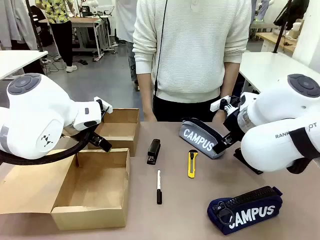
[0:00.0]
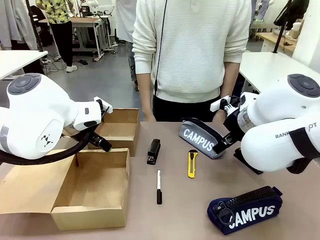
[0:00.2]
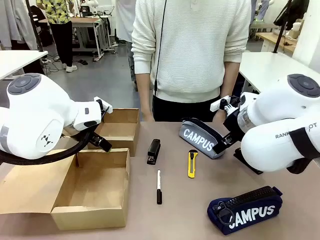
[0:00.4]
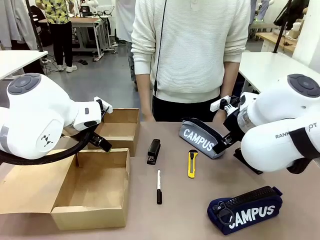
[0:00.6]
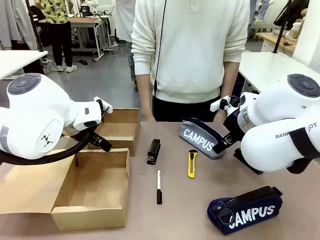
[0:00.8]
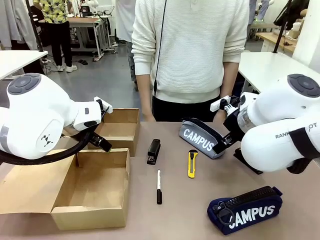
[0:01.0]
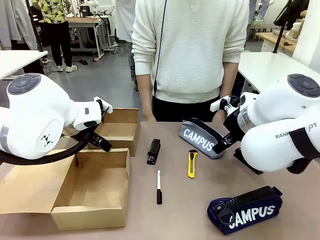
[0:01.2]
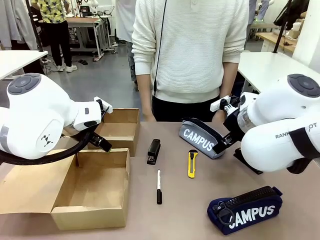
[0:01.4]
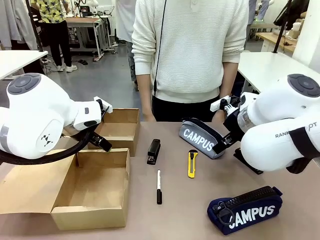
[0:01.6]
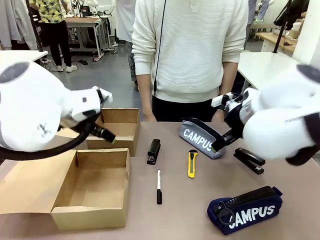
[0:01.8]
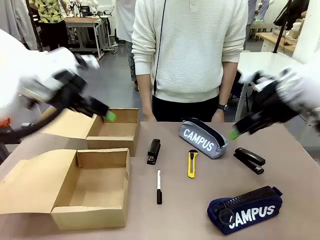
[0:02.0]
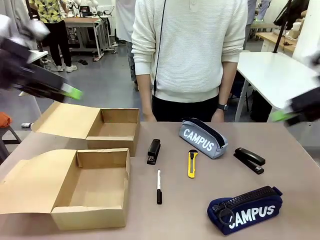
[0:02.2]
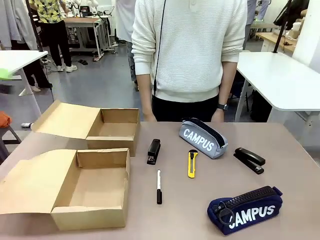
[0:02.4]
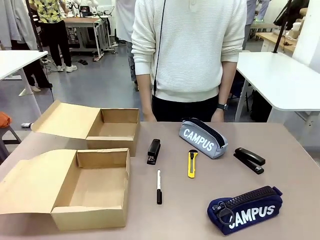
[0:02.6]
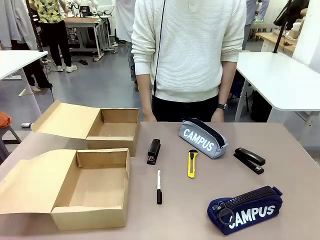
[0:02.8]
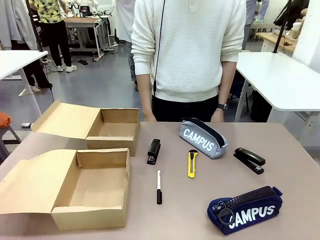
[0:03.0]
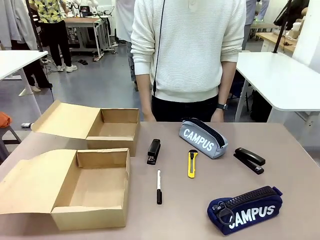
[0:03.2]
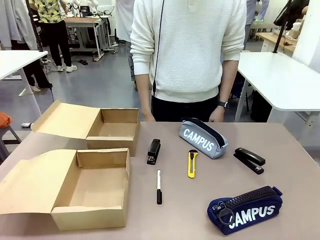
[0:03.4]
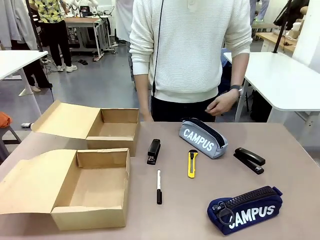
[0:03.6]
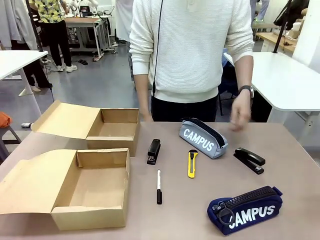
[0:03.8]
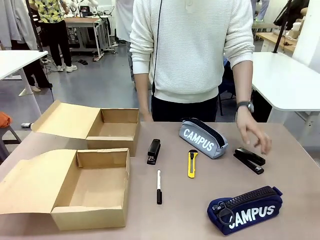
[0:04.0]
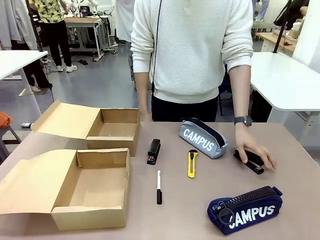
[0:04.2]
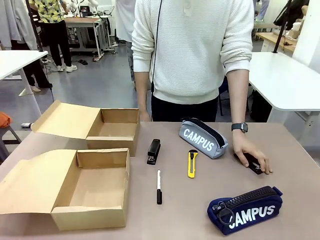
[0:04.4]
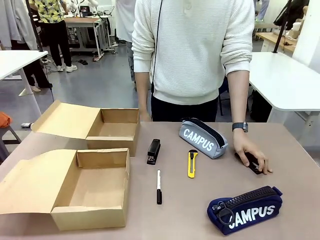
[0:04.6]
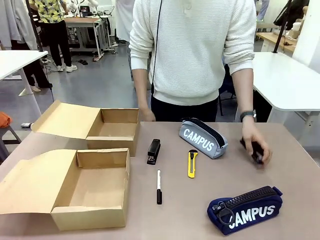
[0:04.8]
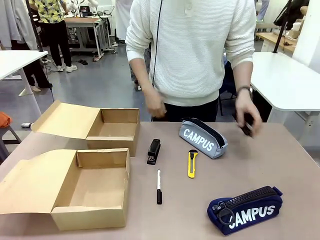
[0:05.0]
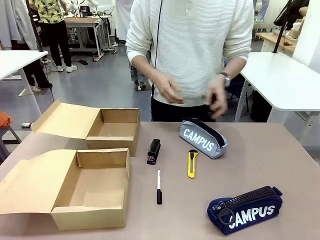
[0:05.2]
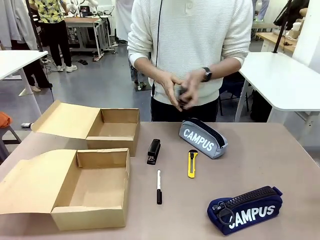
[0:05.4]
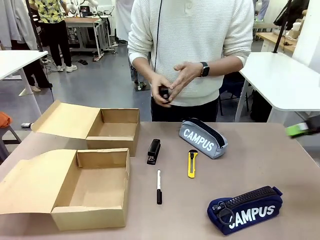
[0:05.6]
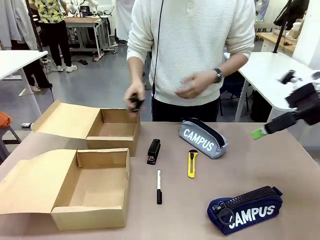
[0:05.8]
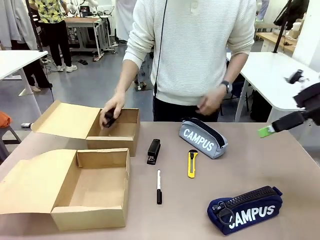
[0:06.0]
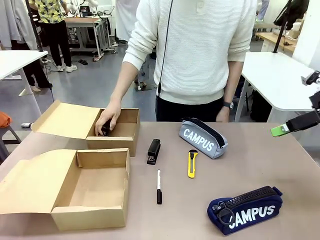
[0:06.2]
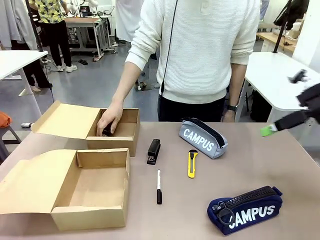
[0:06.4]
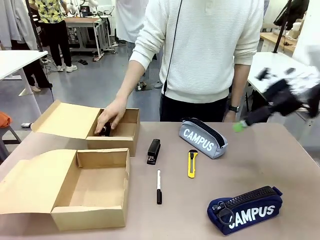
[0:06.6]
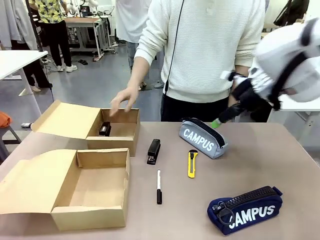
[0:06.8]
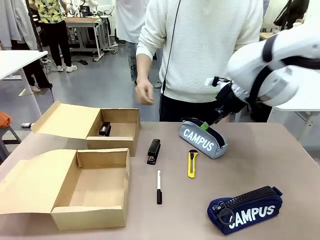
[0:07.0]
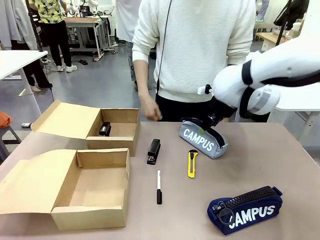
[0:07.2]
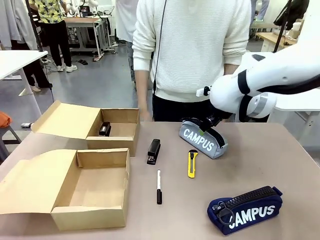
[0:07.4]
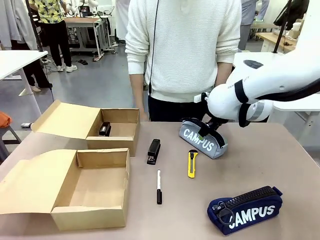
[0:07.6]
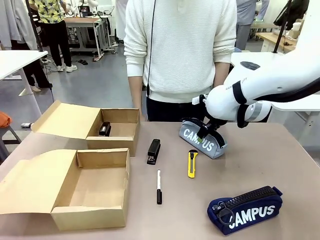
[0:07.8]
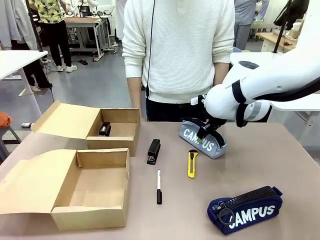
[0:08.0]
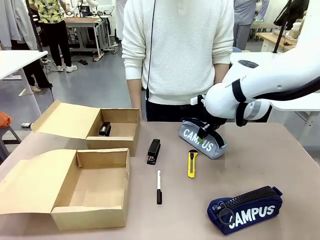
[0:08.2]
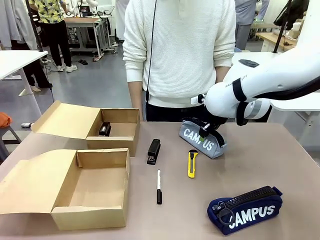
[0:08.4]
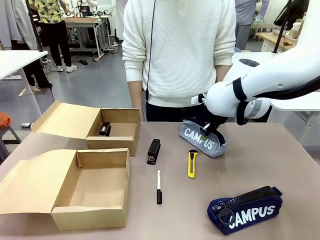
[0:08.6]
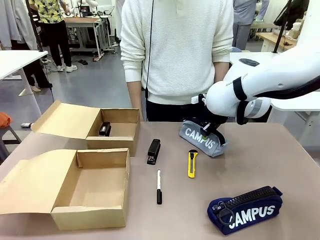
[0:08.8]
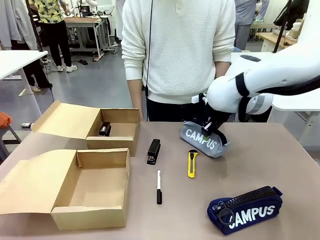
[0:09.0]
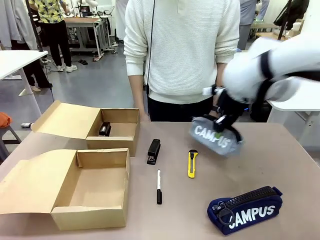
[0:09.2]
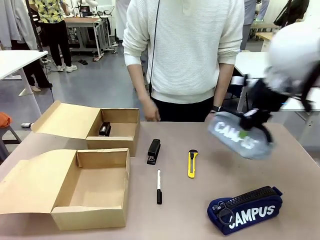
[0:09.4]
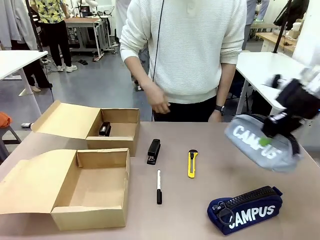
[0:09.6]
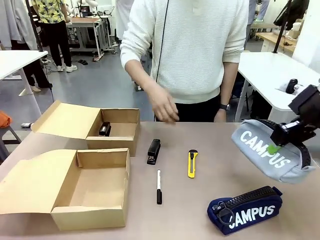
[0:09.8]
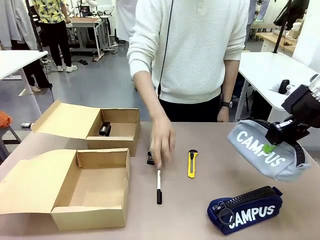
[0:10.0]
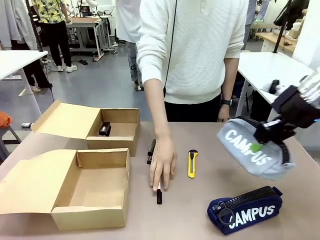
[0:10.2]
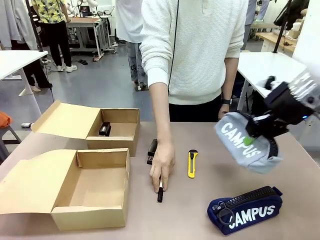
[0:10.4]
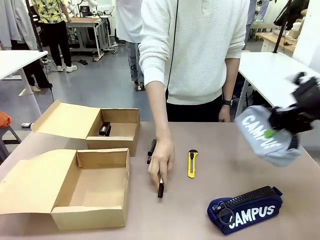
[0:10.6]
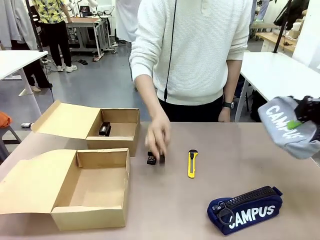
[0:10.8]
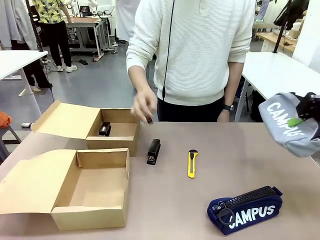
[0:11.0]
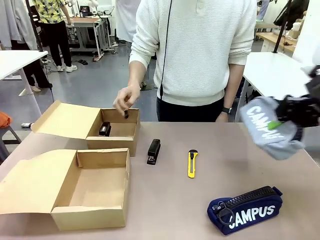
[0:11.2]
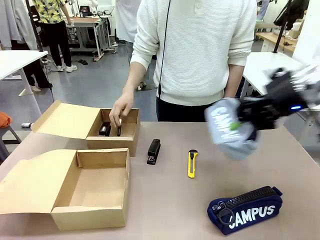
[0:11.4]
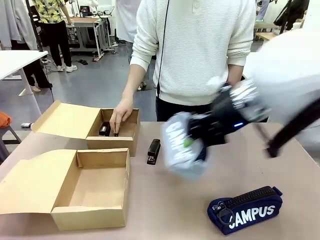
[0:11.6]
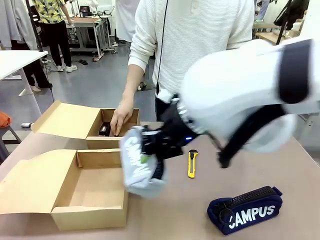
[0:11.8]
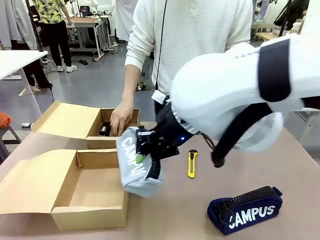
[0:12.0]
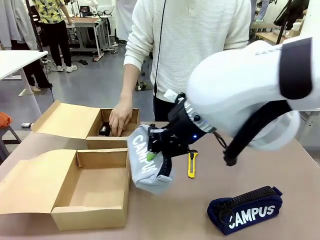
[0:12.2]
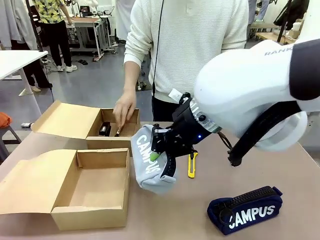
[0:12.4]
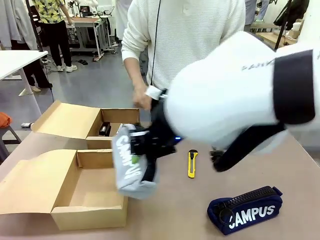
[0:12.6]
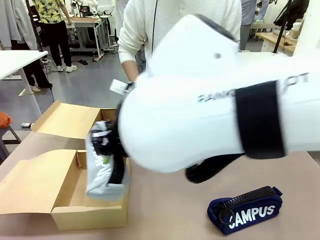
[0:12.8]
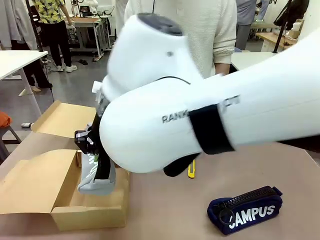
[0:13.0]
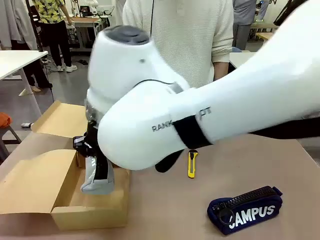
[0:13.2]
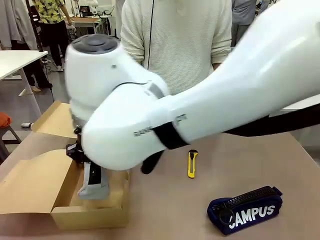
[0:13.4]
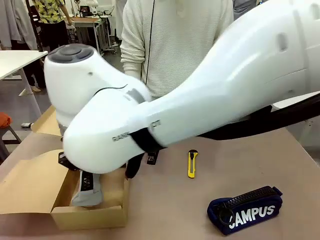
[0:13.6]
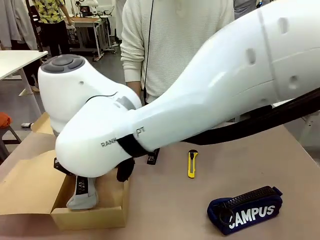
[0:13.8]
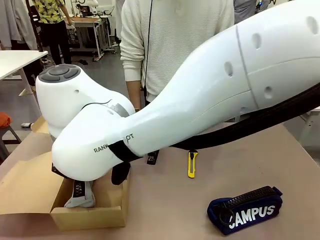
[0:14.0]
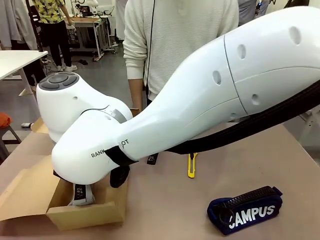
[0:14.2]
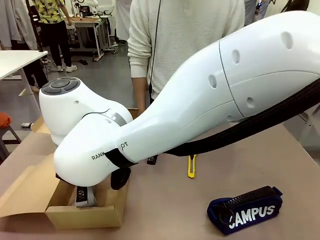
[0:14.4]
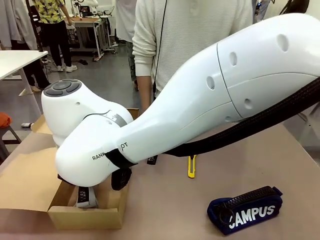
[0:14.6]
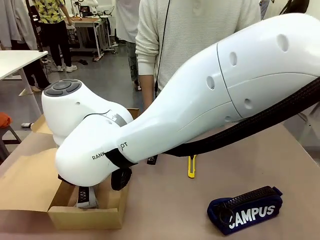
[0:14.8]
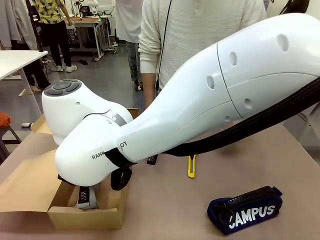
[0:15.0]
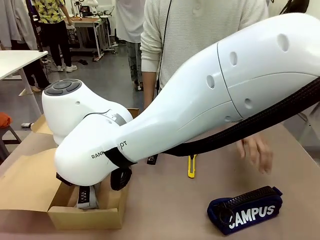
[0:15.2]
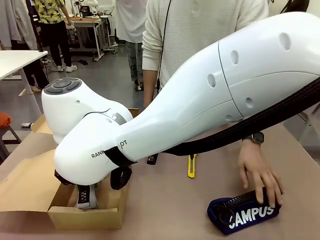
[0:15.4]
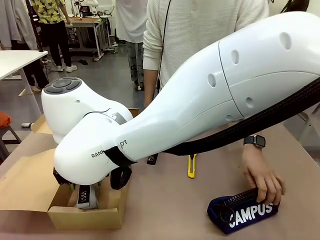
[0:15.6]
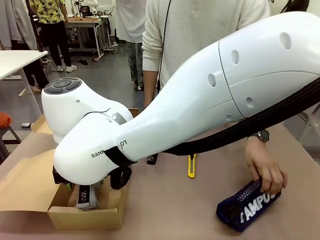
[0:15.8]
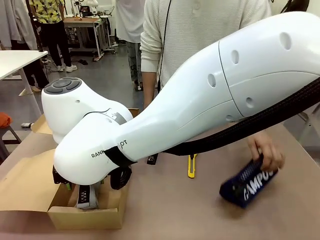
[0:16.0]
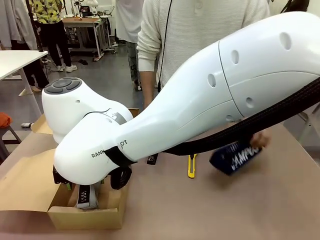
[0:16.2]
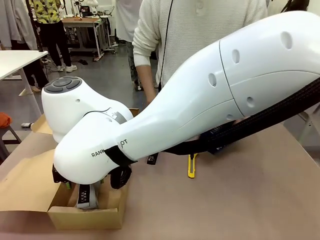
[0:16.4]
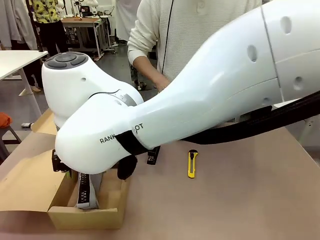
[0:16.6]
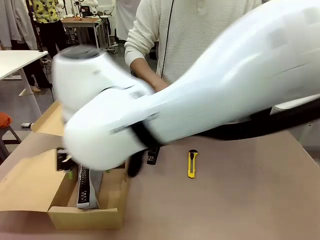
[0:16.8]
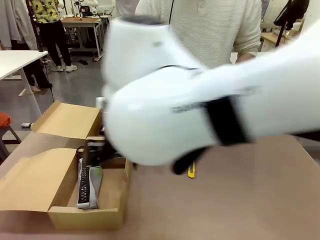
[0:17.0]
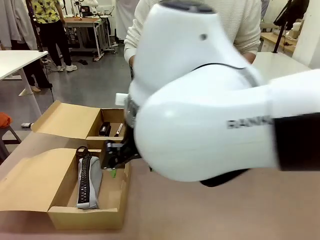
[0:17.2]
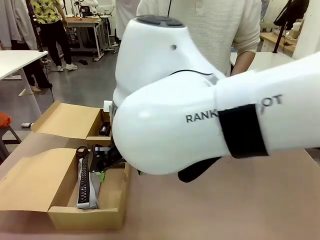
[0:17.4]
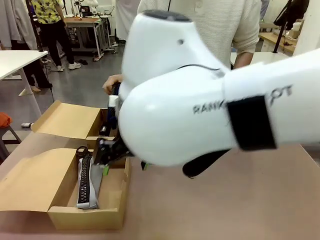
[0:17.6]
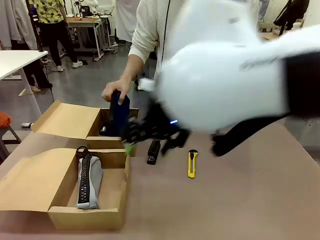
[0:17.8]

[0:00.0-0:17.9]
Task: Place items inside the box.
Robot: Pick up a Pencil pouch or Stapler and place it inside the Mailer Box closest to the robot.
Person: Pick up an object on the table and put it in the box.
